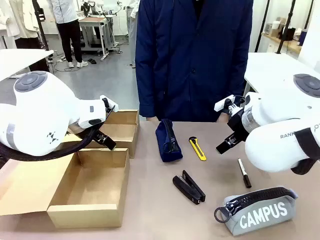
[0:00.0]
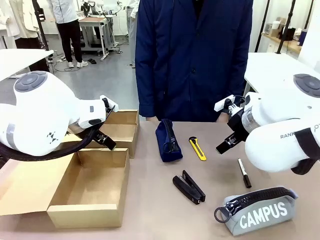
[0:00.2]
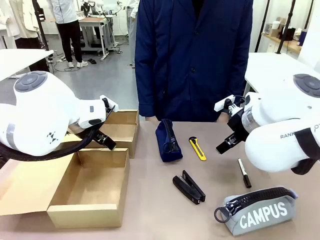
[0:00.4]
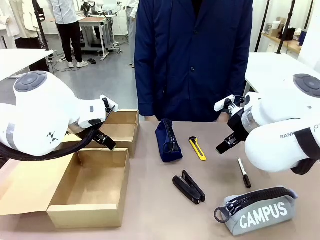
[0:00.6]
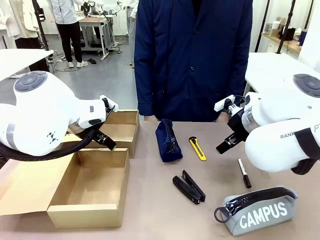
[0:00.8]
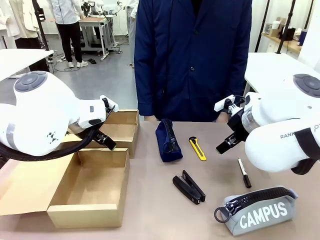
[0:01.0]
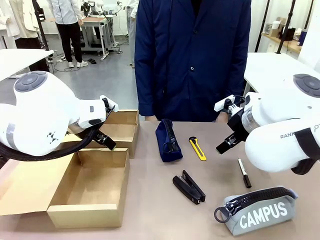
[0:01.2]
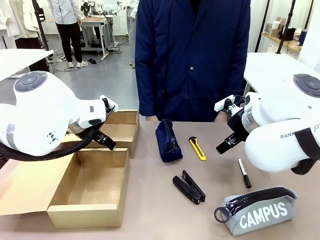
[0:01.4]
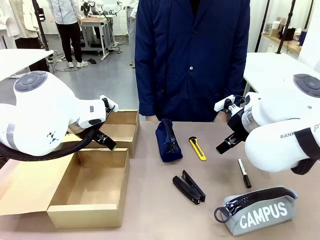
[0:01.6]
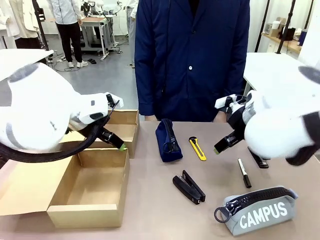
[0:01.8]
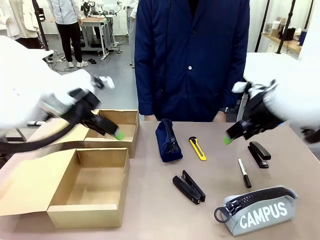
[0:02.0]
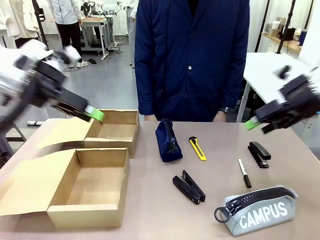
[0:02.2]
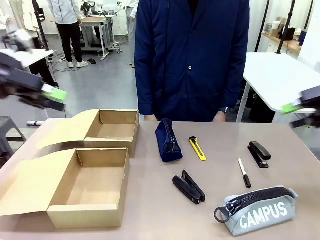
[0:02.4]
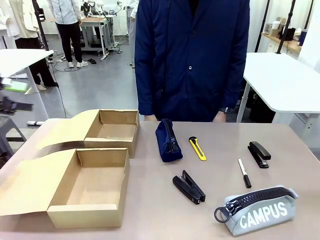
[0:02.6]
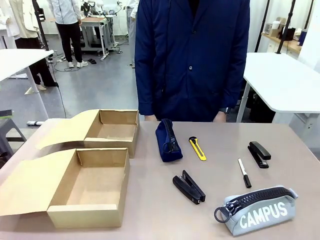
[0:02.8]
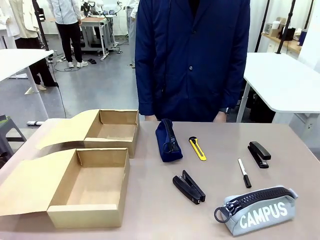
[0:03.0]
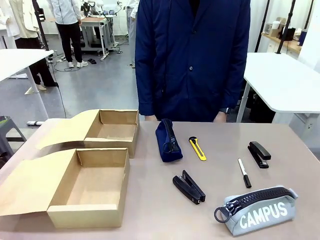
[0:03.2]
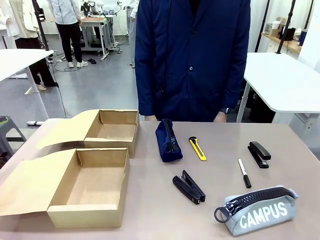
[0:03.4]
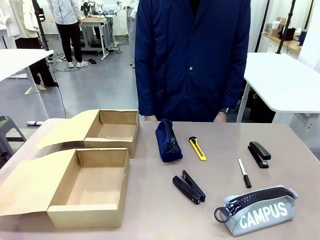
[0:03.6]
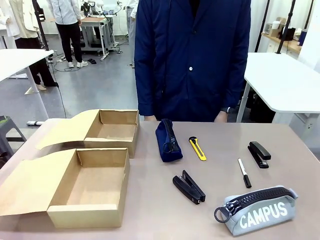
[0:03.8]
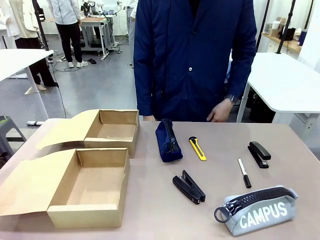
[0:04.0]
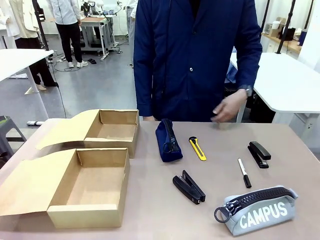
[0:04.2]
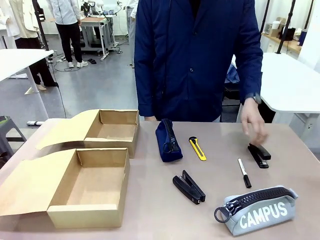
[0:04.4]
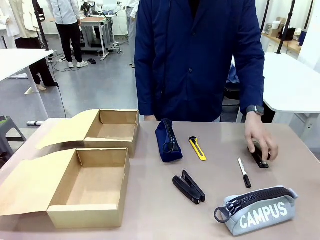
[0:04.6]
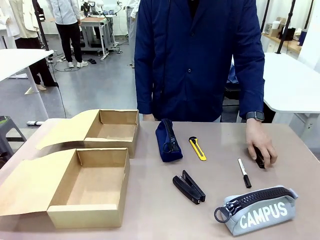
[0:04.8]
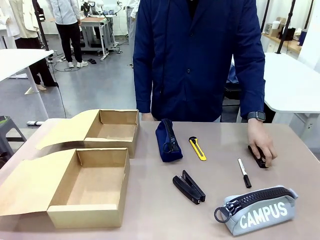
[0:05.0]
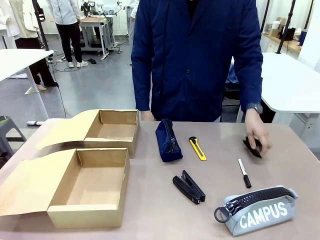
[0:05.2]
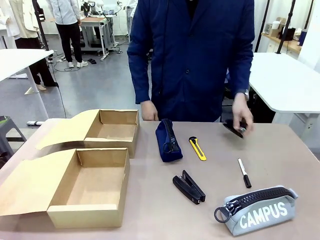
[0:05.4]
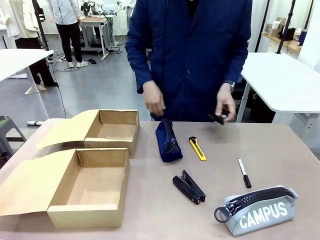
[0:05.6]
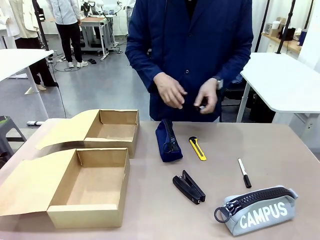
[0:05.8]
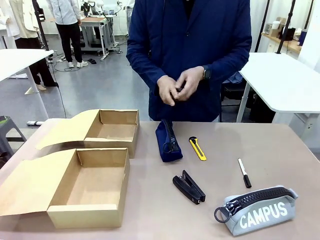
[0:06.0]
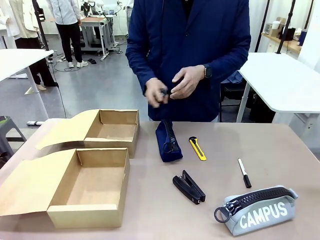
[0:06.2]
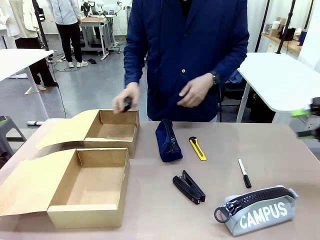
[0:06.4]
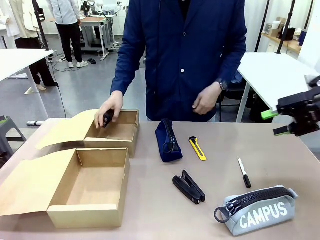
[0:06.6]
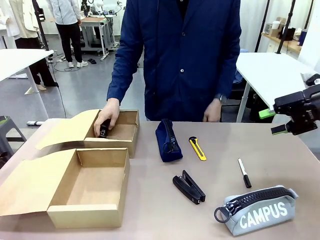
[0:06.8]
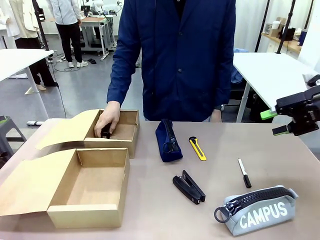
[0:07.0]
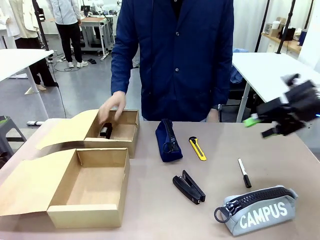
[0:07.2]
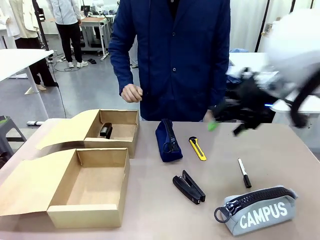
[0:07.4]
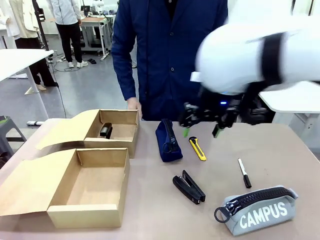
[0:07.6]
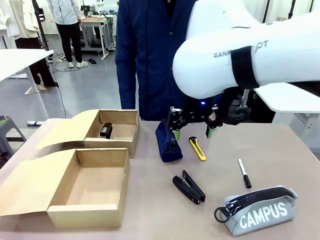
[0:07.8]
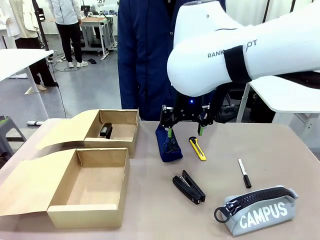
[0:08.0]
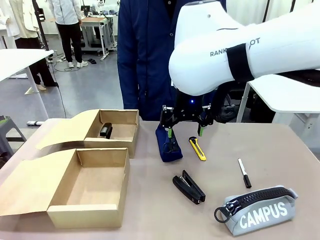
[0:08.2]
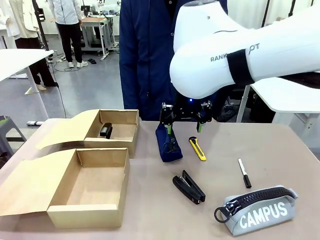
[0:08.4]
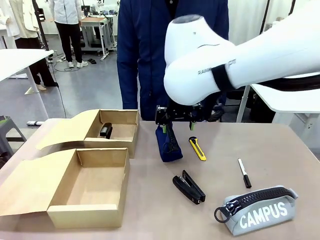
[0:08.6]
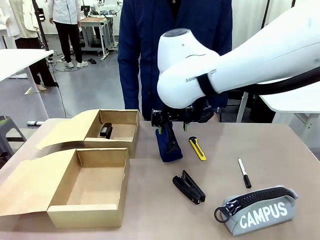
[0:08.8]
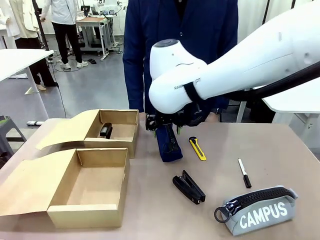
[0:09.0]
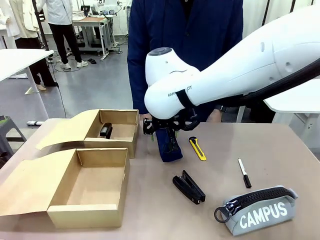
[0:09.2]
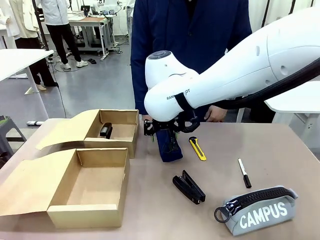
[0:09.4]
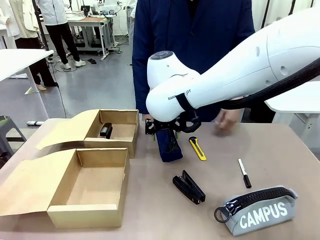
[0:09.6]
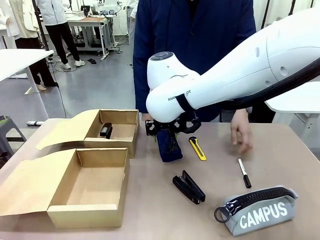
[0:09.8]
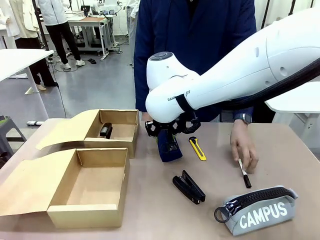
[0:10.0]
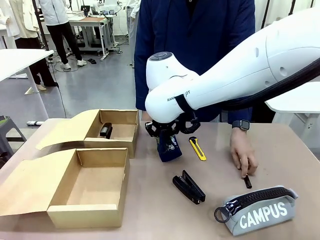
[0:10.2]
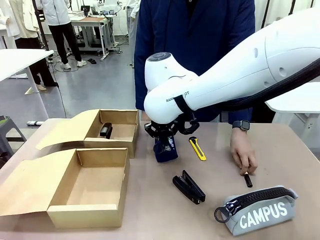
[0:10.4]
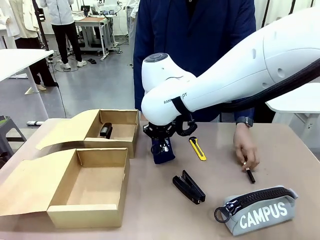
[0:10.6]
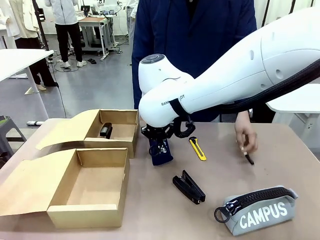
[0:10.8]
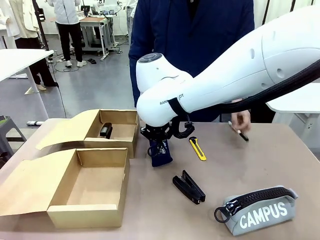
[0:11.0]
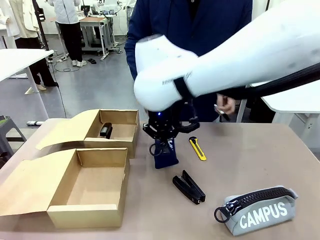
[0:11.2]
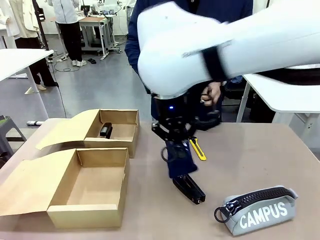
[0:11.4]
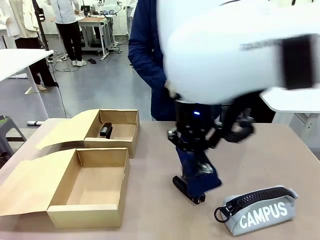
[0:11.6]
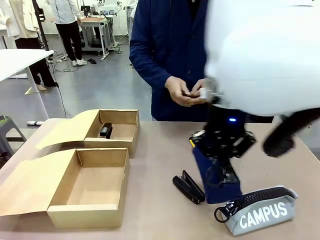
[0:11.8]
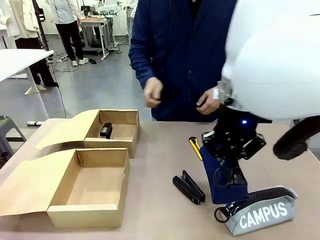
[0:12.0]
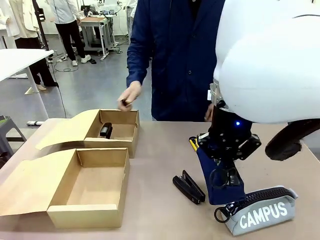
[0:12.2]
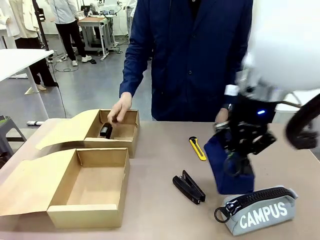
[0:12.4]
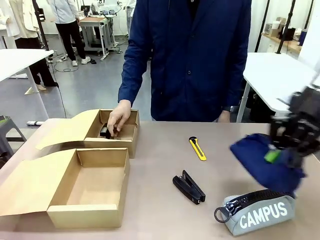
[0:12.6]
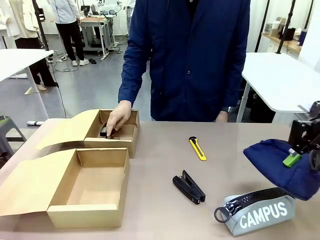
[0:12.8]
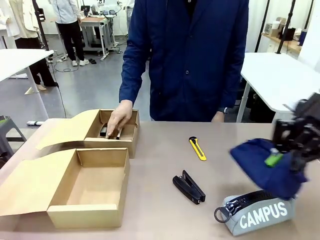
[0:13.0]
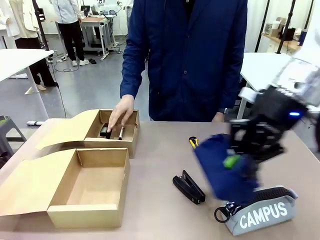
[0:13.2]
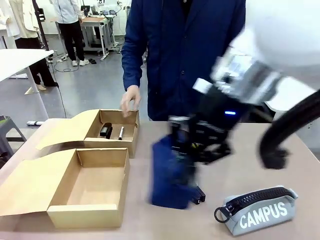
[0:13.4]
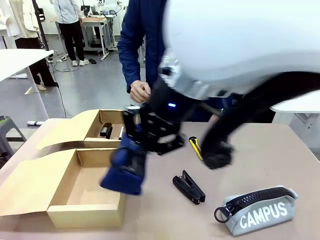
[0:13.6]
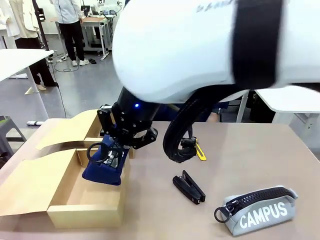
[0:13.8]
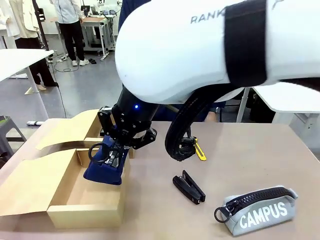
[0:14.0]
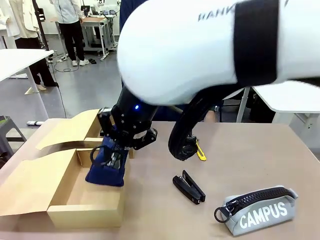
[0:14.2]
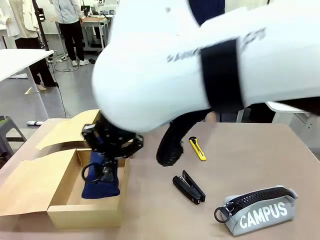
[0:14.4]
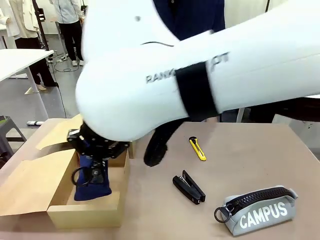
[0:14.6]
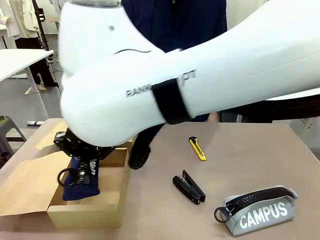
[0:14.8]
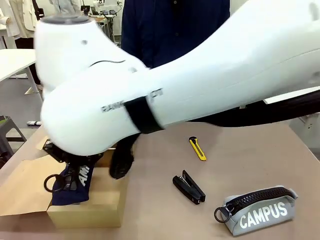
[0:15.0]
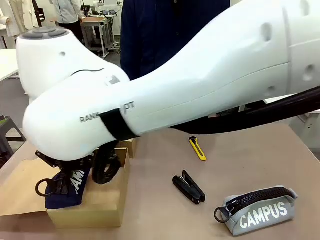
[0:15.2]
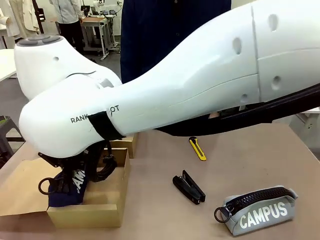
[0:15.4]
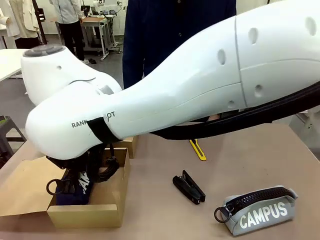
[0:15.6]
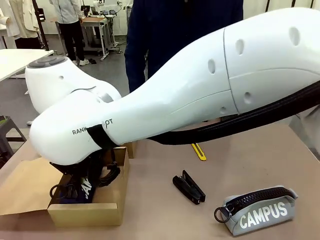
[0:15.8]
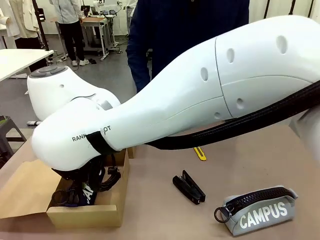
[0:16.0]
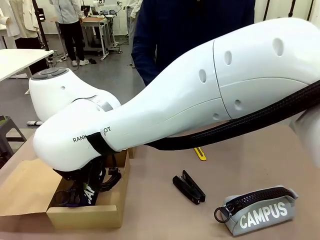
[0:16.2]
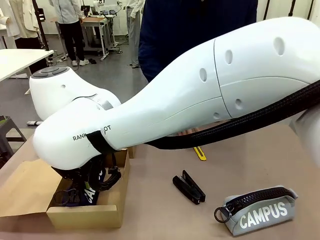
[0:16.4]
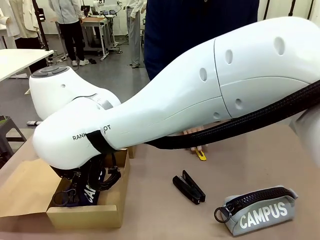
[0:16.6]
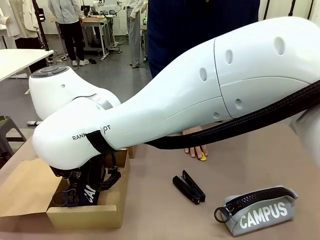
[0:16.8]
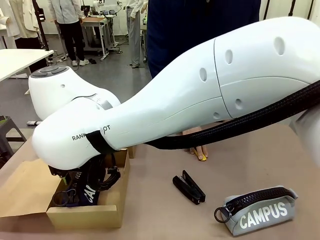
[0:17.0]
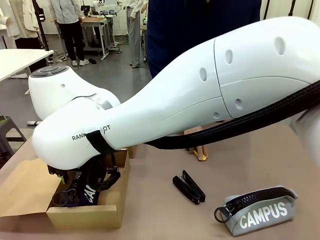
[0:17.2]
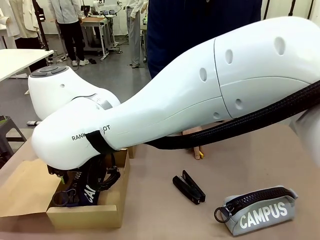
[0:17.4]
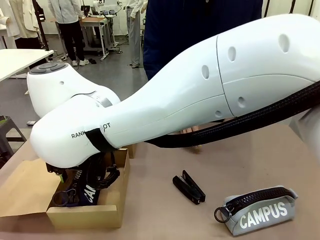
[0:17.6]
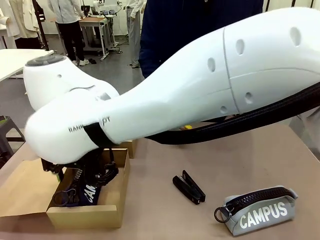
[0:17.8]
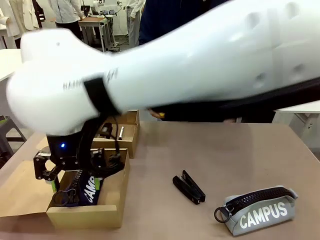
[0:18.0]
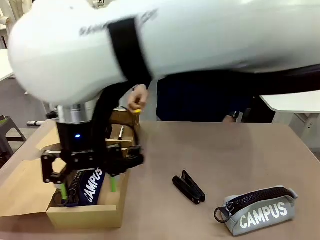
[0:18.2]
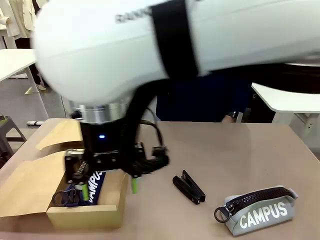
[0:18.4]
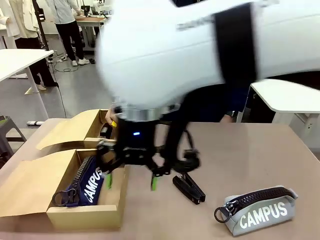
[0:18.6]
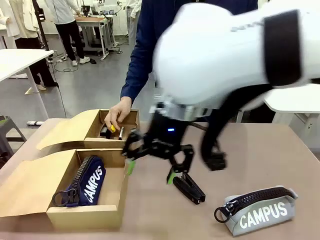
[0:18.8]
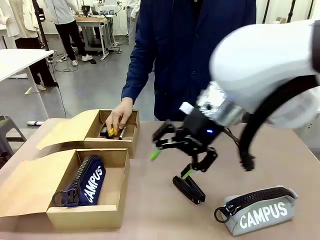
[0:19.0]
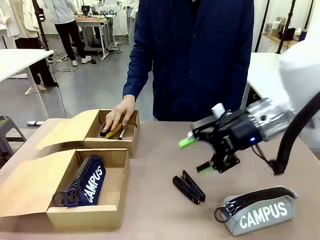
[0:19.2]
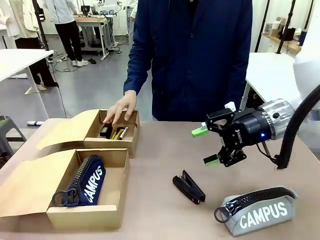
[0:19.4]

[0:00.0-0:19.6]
Task: Place items inside the box.
Robot: Pick up a Pencil pouch or Stapler and place it inside the Mailer Box closest to the robot.
Person: Pick up an object on the table and put it in the box.
